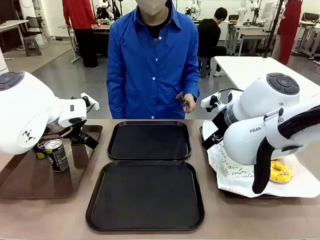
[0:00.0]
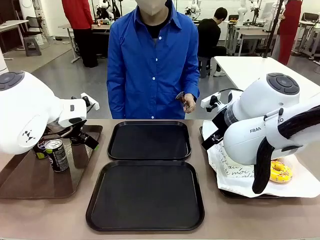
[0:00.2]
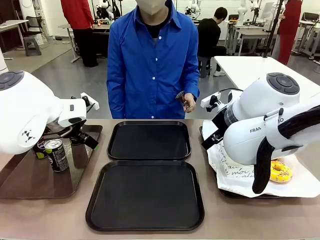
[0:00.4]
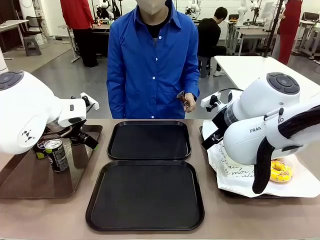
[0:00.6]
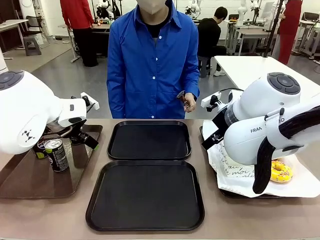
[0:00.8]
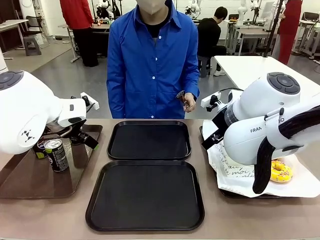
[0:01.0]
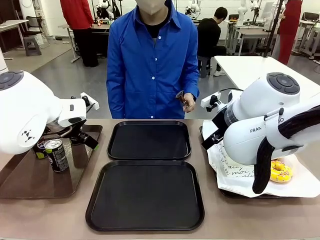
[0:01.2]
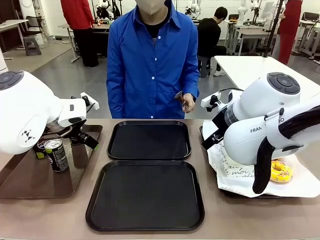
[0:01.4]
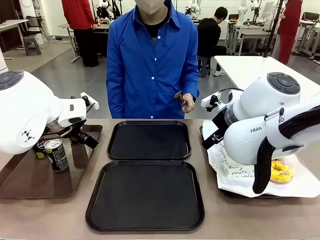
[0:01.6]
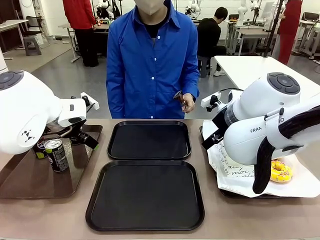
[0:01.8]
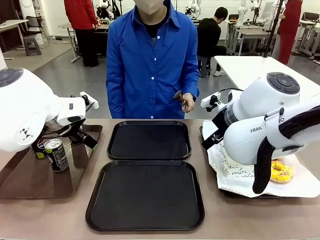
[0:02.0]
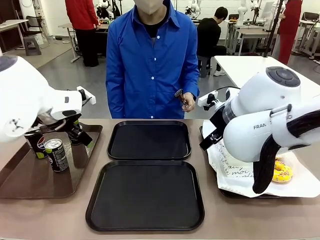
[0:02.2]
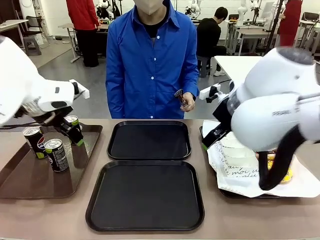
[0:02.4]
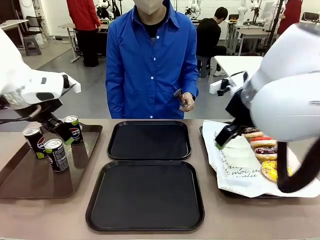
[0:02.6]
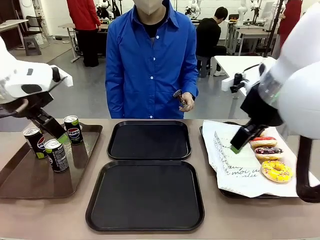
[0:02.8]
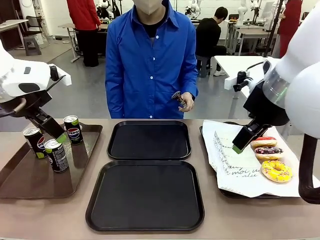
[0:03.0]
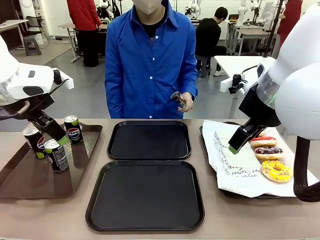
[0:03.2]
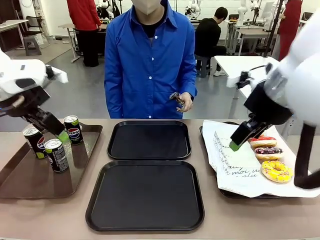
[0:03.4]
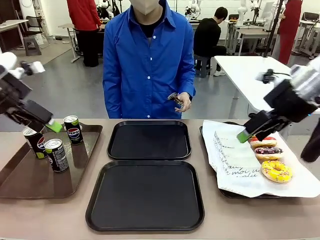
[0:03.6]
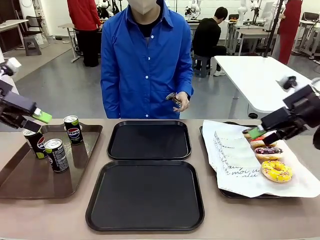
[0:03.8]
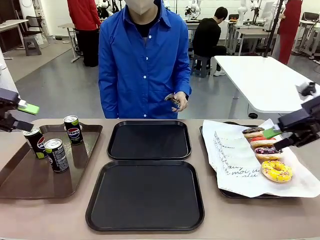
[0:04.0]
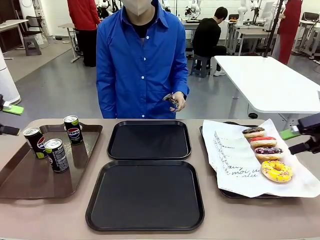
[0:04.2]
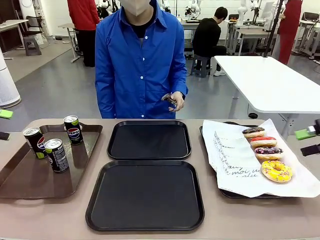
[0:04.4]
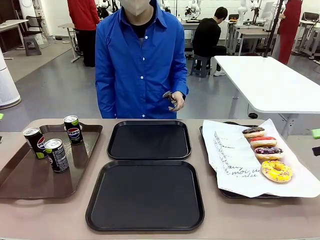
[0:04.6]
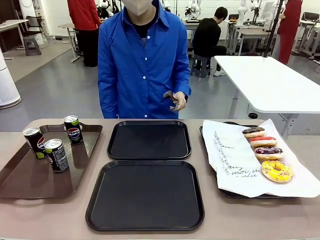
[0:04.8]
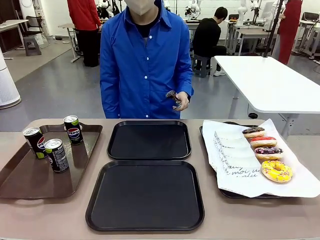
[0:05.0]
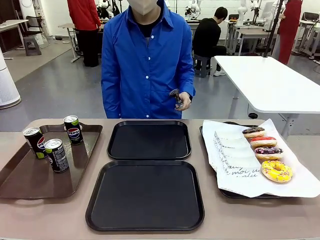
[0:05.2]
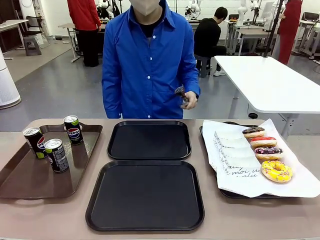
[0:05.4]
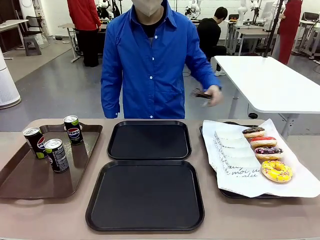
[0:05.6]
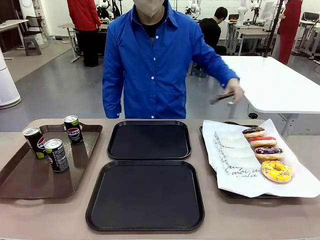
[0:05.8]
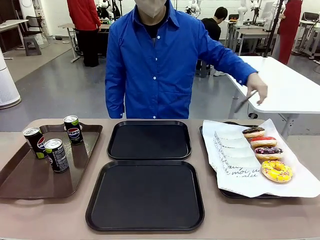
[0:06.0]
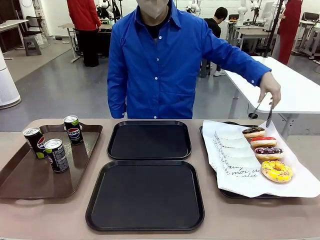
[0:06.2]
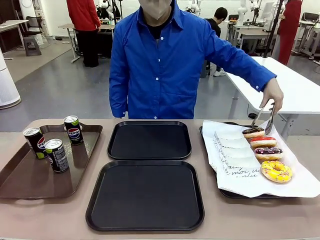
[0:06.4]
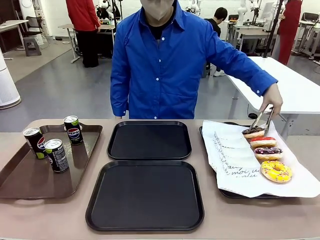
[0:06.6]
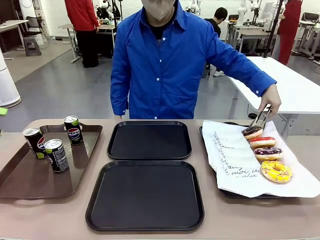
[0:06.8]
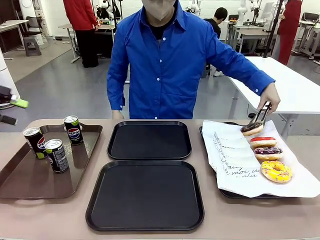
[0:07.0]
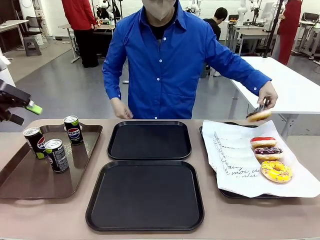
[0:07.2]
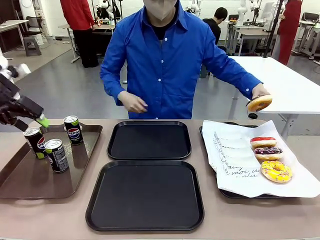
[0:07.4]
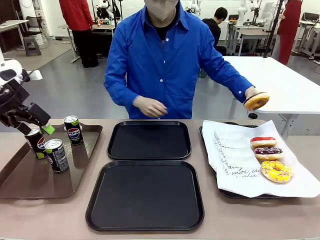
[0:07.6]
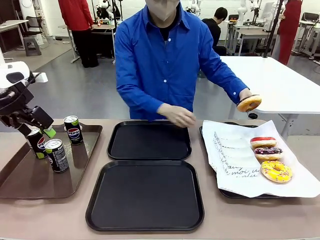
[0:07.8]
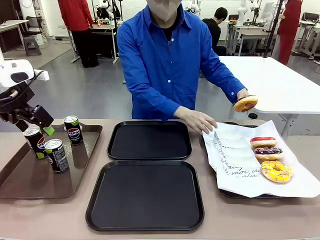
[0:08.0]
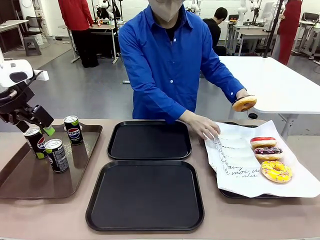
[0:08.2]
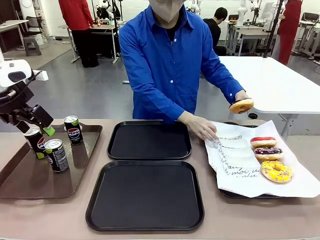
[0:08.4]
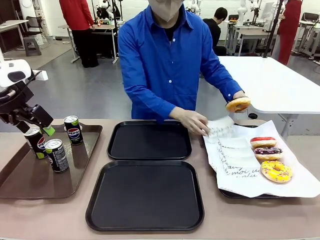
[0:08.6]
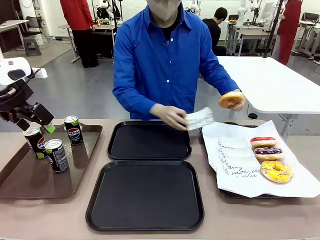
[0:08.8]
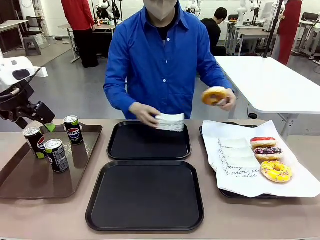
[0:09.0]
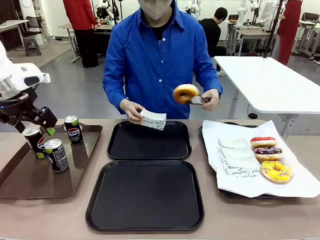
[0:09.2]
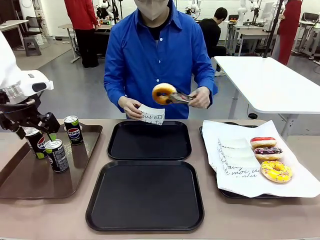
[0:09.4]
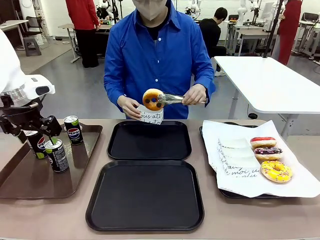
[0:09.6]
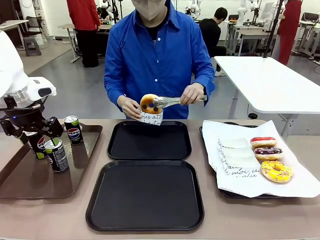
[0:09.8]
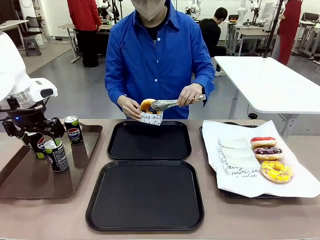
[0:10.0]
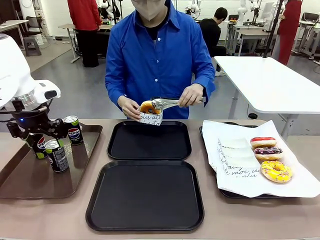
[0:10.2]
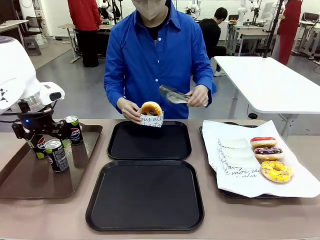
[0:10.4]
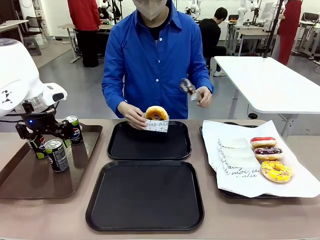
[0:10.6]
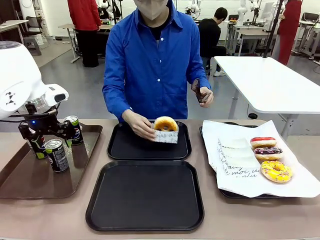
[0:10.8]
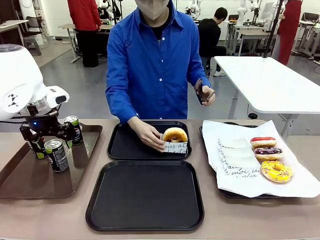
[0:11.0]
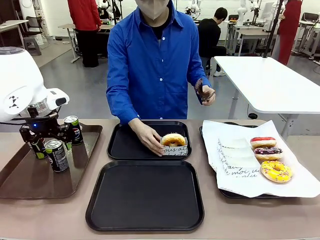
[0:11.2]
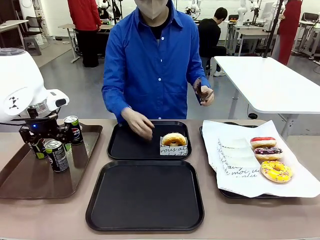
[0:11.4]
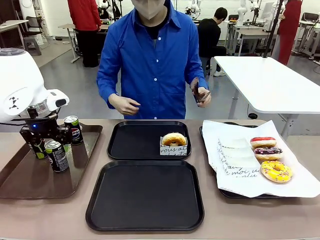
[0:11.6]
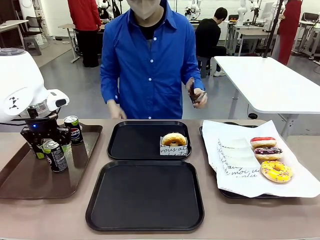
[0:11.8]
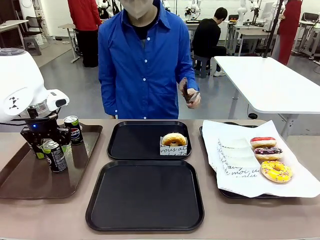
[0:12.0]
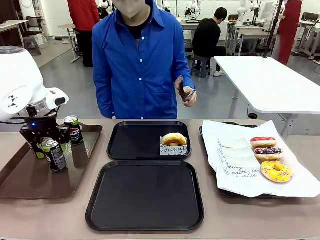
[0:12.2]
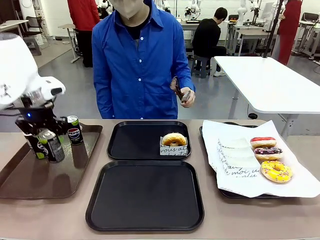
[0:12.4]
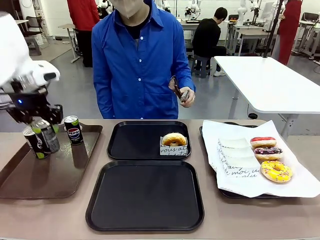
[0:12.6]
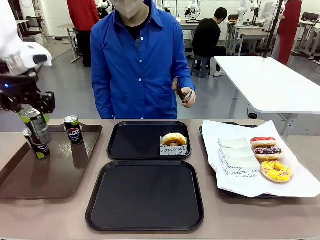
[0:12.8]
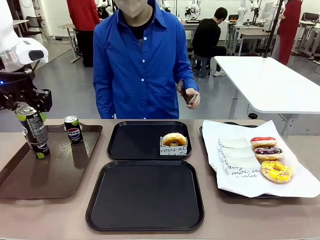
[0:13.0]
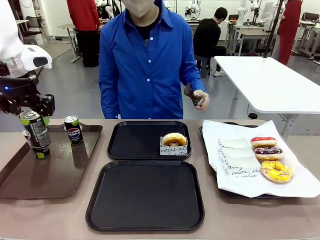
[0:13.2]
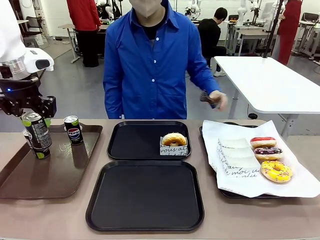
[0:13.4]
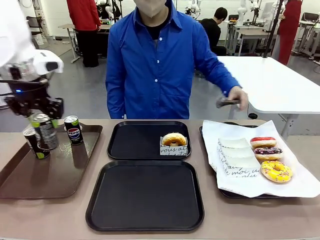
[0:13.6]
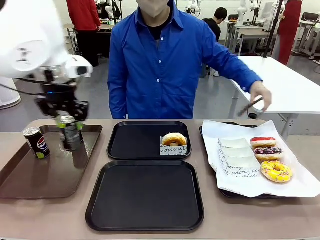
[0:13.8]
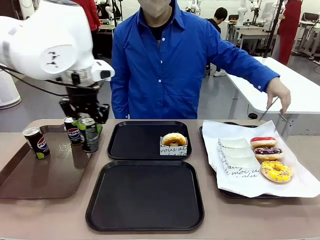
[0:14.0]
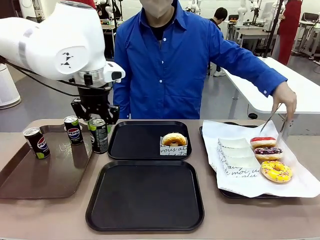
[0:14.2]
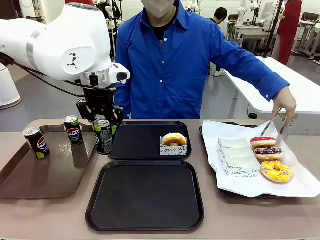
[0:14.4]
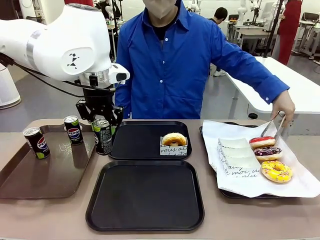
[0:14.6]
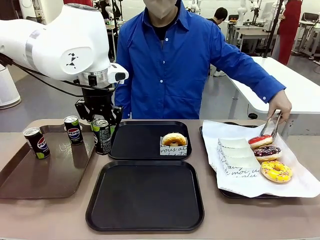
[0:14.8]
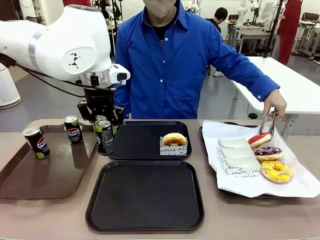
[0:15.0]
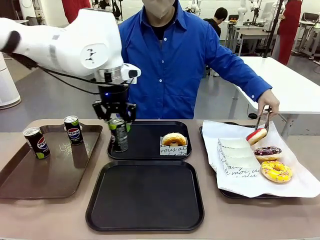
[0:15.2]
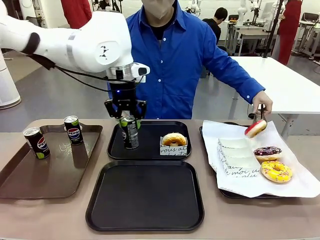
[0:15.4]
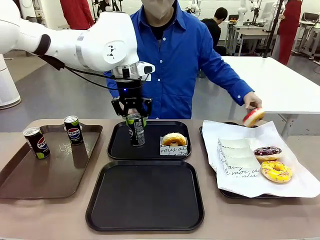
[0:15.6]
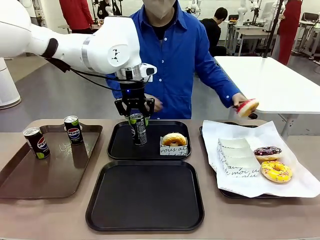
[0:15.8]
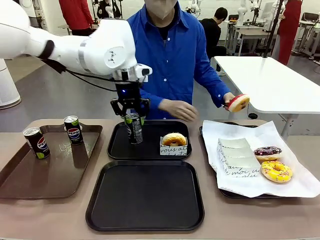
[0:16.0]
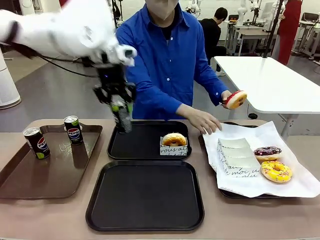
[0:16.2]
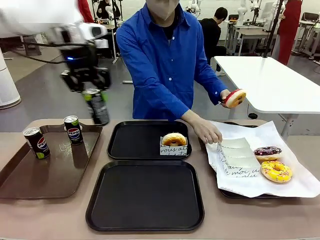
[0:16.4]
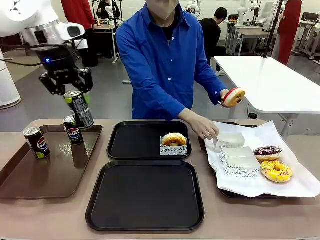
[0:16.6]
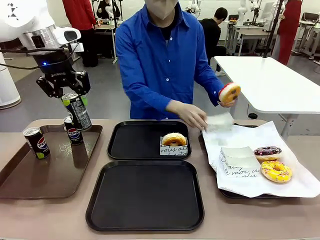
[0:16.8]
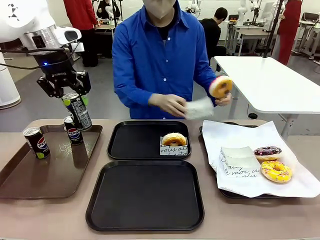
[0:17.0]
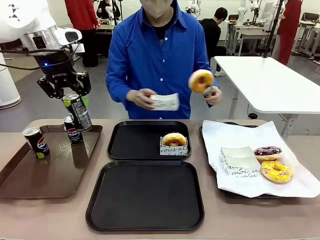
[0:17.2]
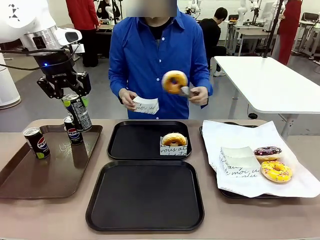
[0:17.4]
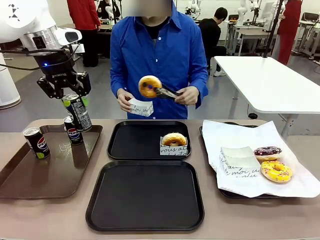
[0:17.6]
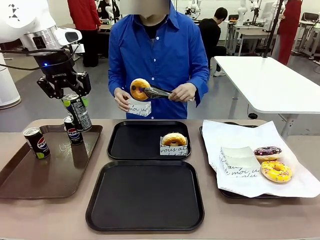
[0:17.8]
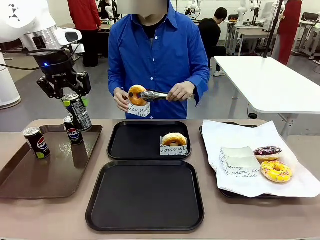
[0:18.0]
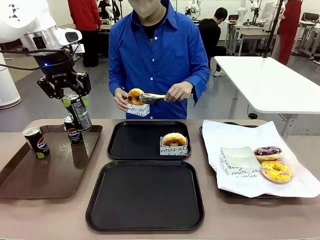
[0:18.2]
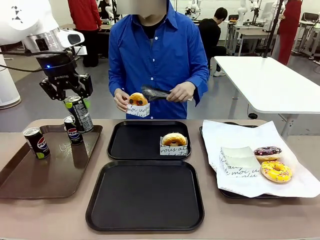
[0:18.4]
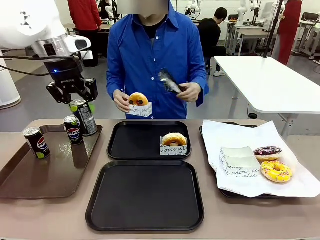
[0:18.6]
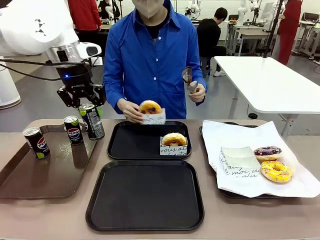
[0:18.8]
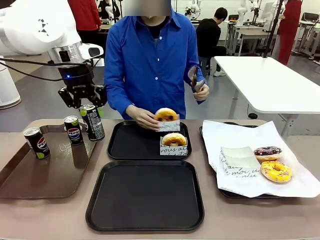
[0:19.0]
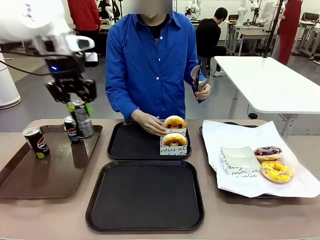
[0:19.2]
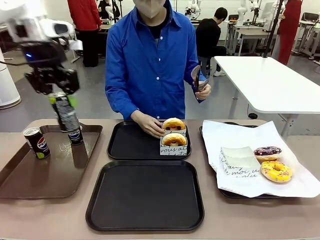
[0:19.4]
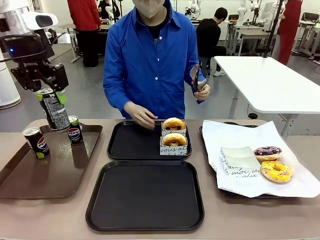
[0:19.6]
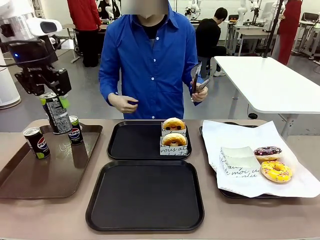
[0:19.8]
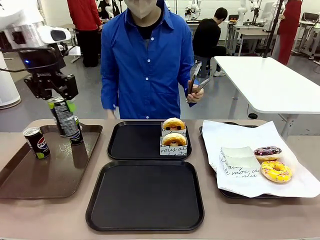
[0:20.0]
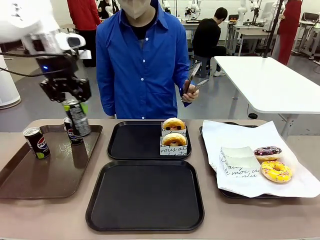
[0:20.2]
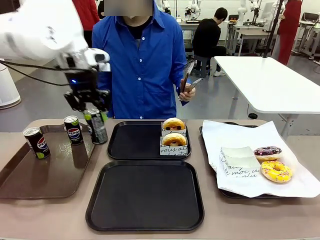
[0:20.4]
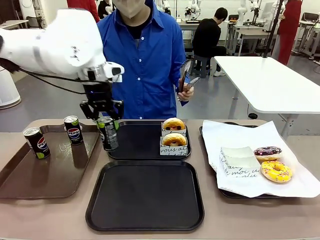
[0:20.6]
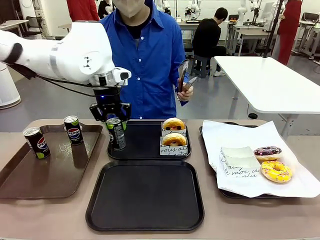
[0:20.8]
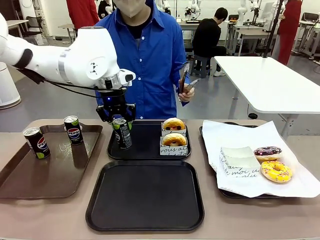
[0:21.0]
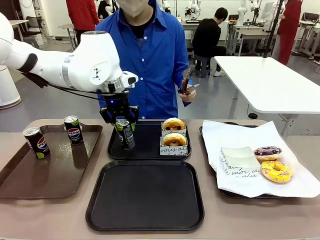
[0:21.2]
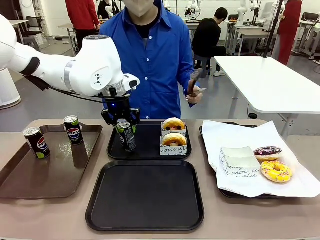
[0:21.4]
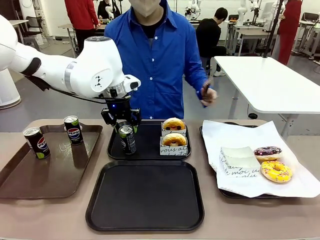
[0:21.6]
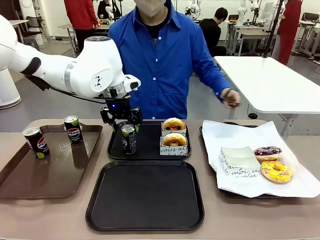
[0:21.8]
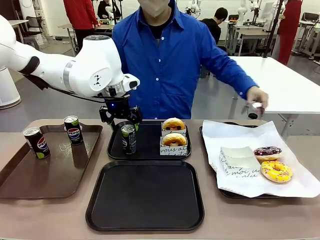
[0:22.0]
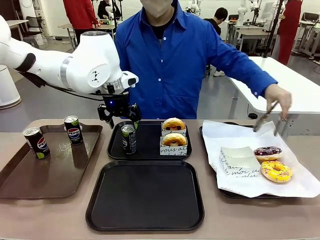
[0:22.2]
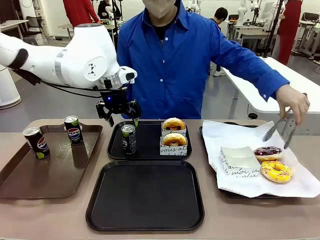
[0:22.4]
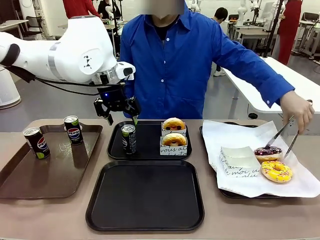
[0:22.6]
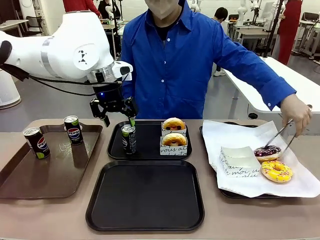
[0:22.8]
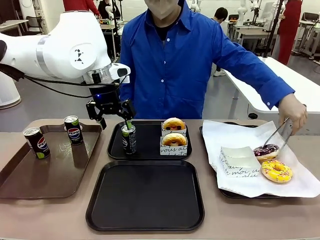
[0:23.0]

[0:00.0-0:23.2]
Task: Set up donuts and drinks on trays.
Robot: Pick up one Pepsi coke and place it on the Flat Tray.
